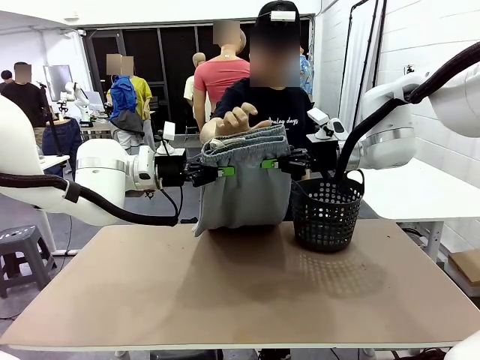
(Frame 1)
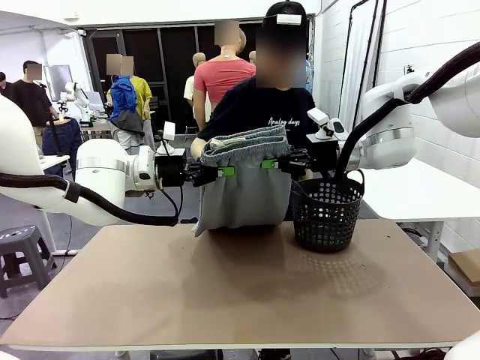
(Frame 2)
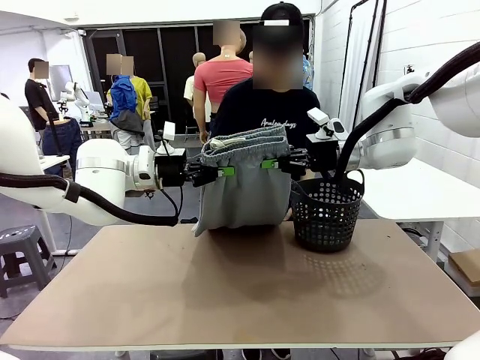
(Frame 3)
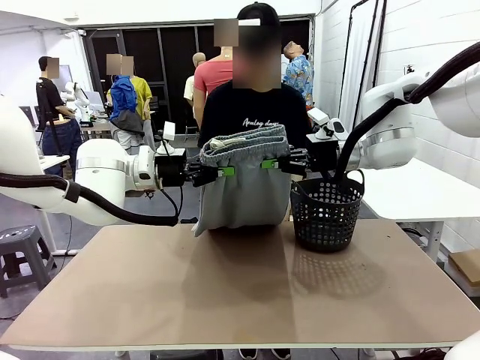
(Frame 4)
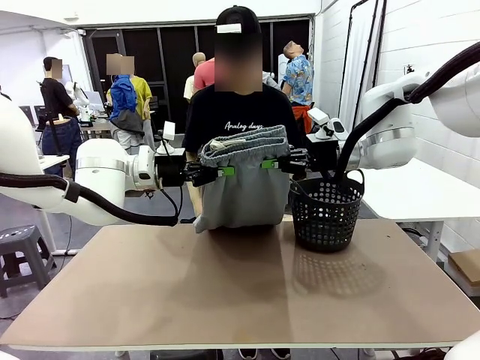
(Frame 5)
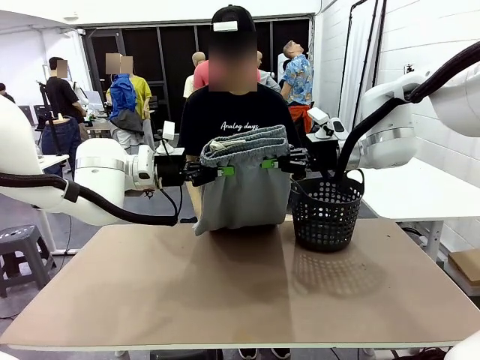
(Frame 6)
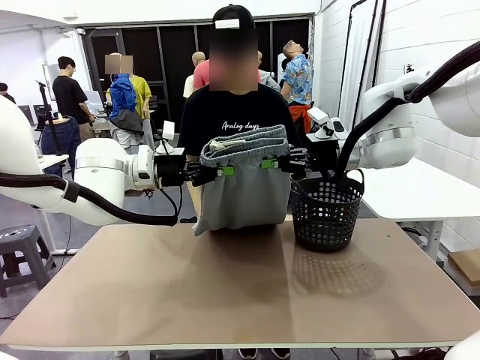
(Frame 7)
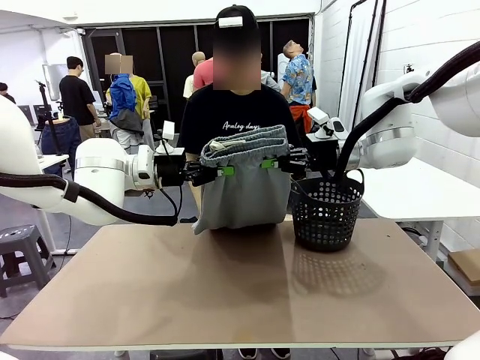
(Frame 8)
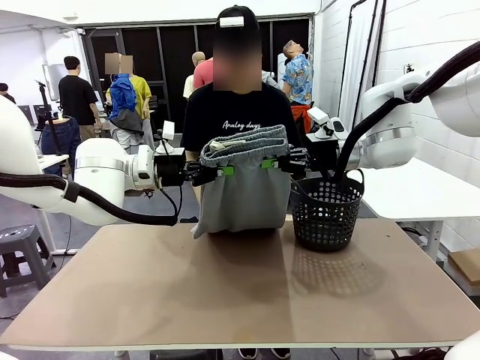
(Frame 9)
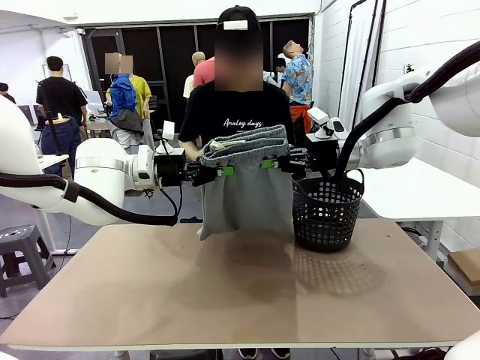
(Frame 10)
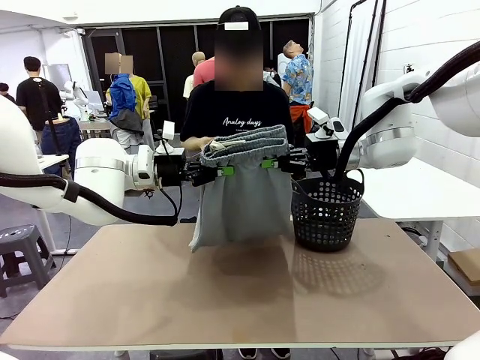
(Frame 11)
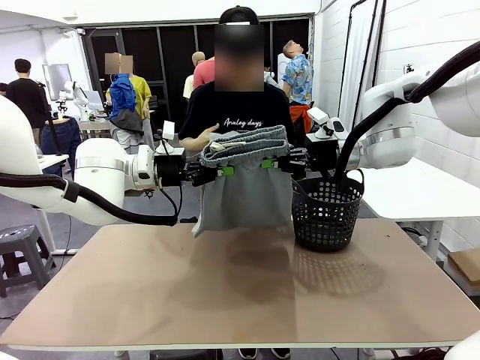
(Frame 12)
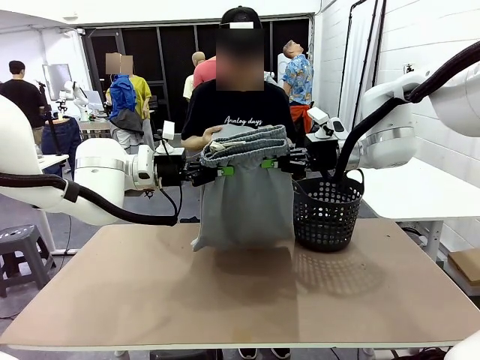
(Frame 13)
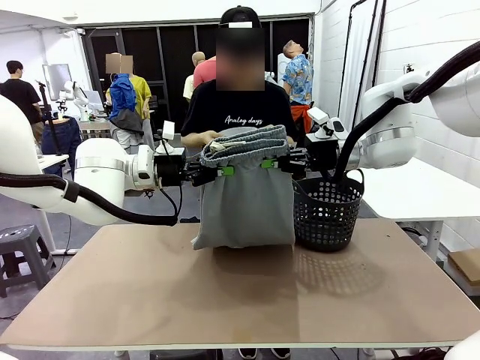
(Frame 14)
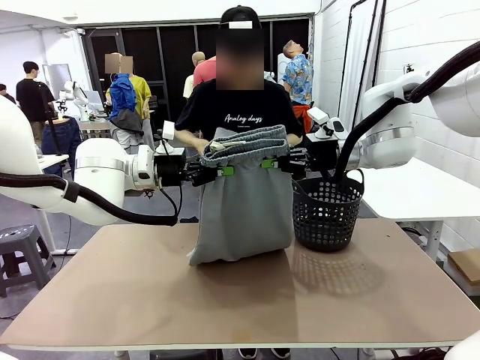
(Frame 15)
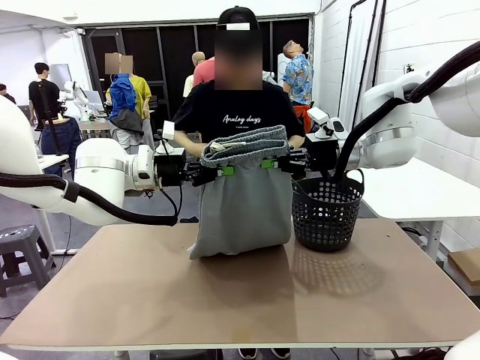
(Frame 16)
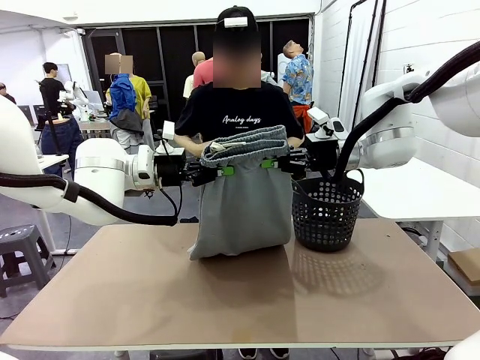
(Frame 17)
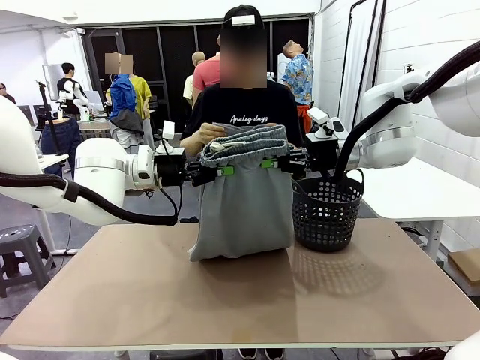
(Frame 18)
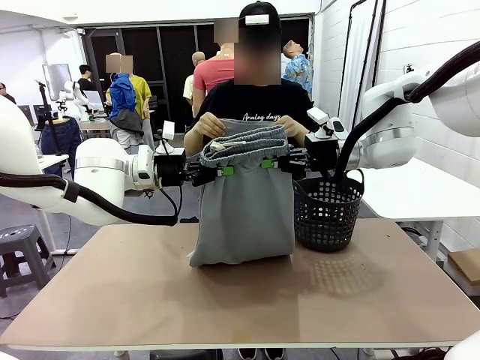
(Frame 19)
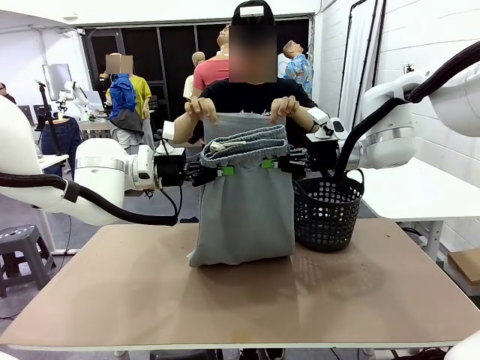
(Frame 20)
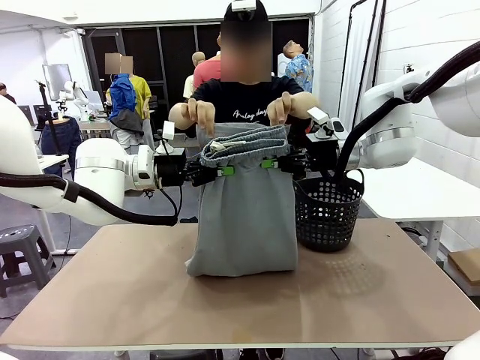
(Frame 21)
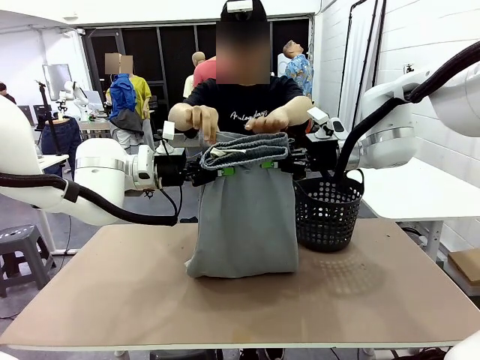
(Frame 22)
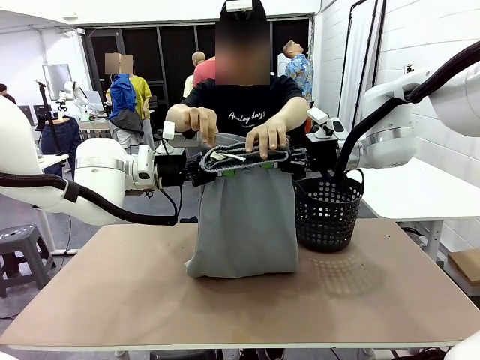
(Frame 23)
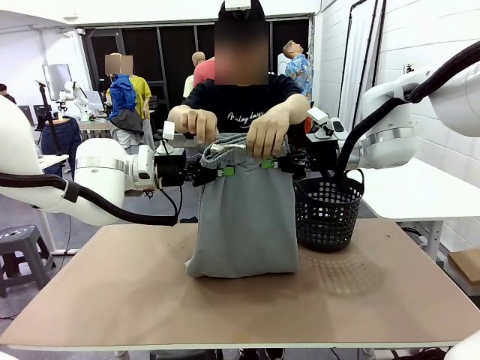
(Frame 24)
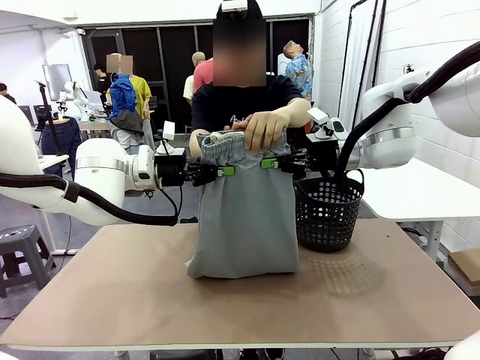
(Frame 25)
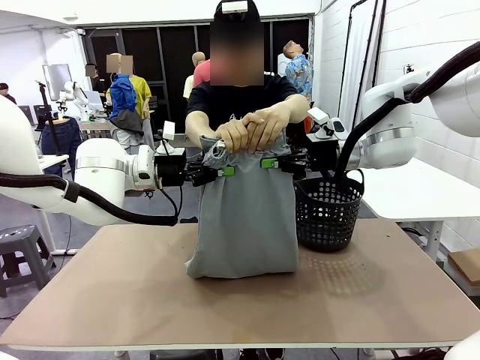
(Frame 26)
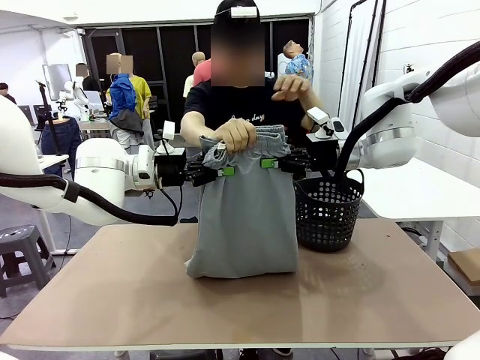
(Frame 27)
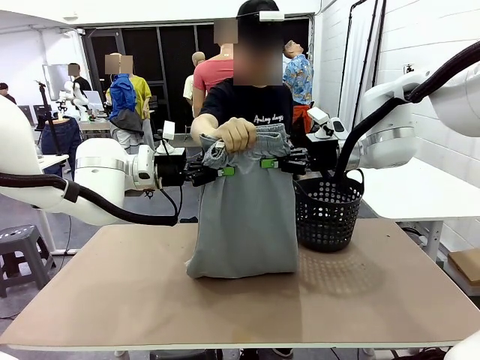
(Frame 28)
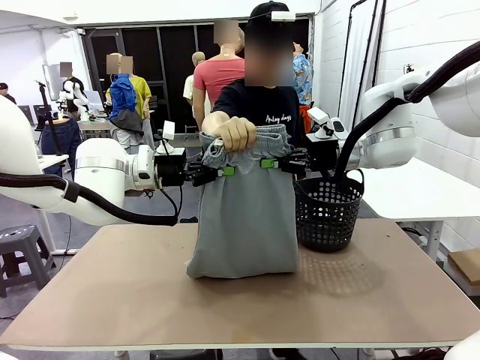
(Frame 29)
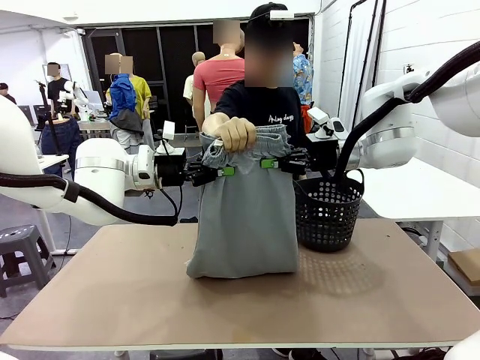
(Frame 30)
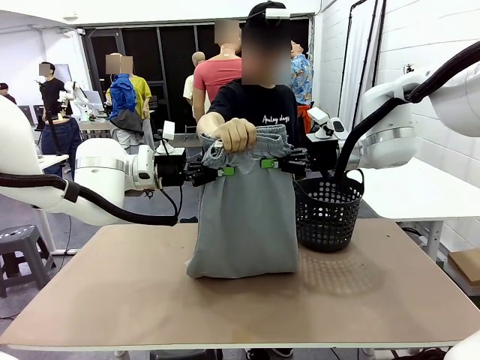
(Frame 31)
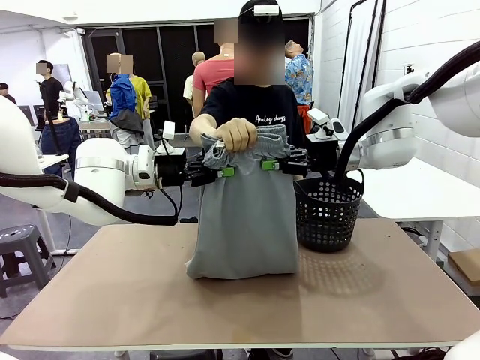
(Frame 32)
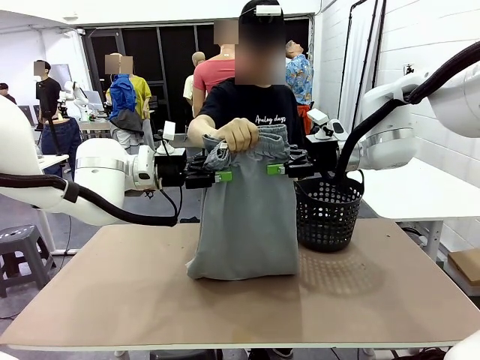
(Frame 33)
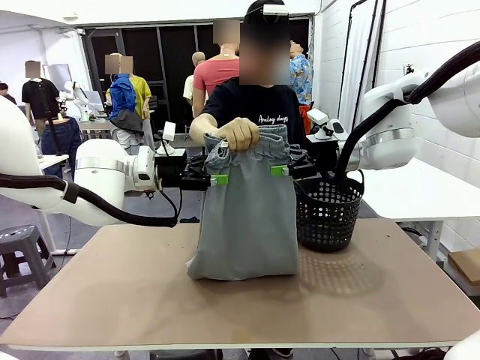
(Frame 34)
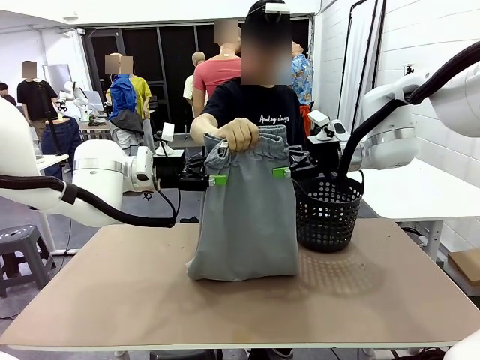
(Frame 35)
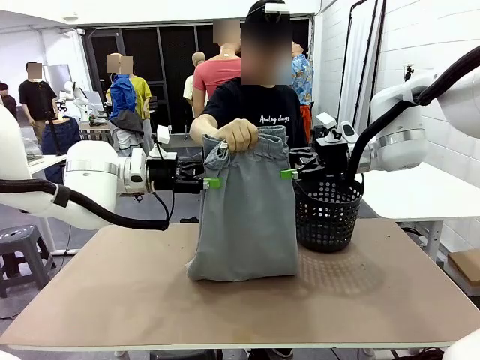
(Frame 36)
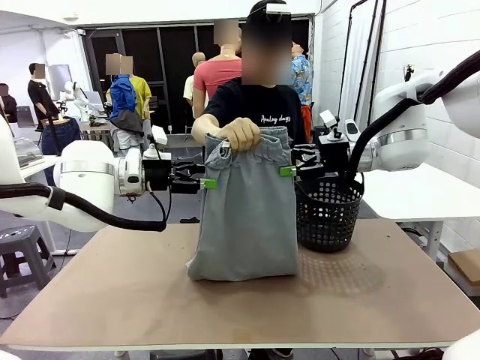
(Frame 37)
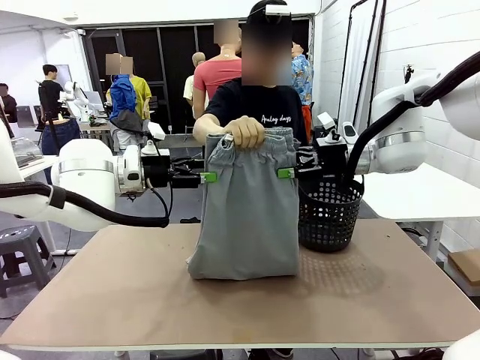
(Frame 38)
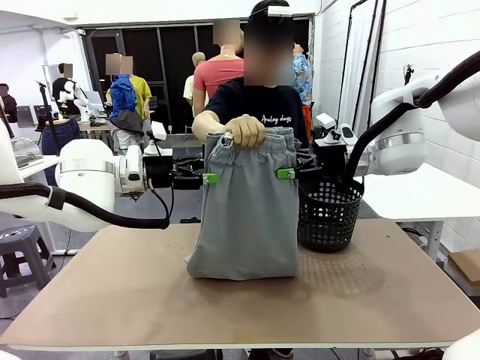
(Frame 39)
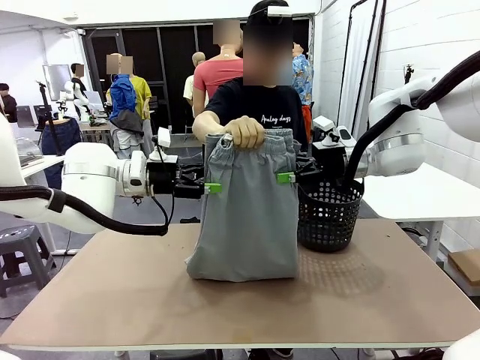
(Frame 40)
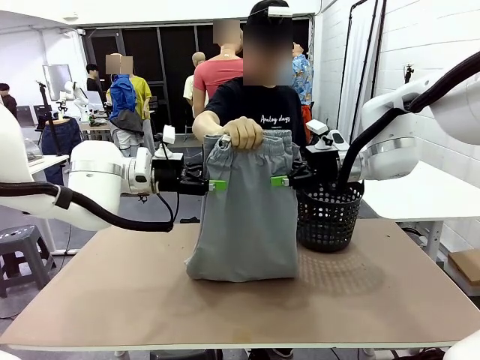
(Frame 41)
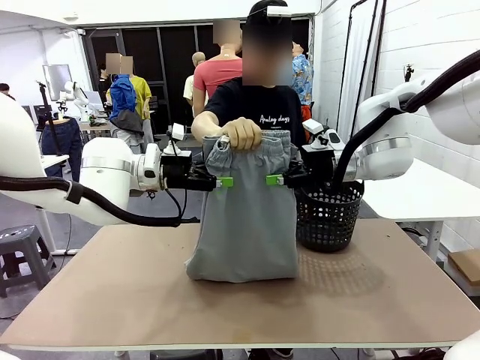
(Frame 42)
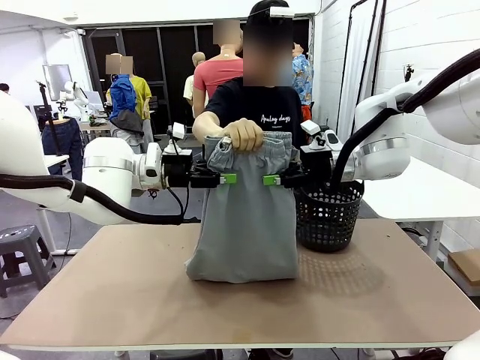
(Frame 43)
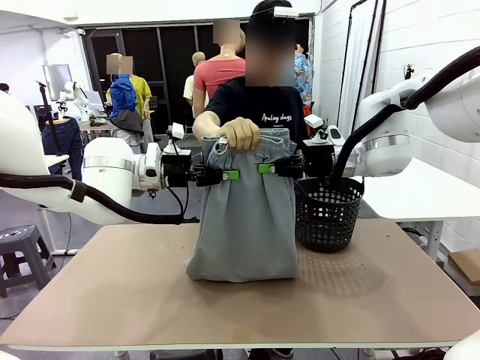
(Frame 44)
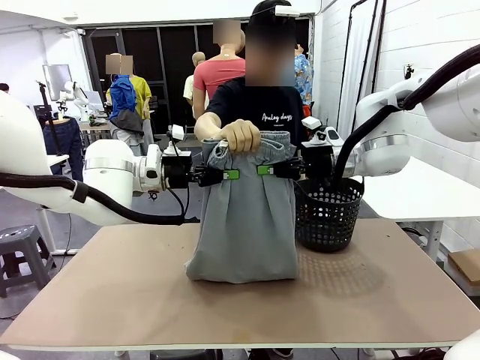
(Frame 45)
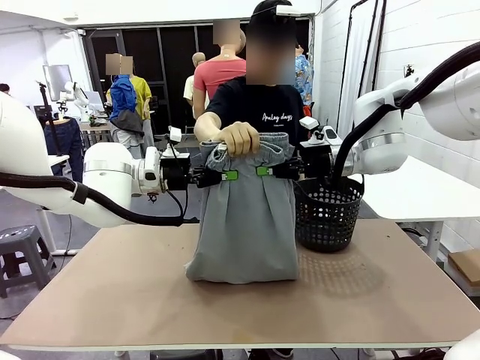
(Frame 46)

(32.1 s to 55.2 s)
Task: Fold the training pants.
Robot: Release the ends of the Training pants and then grab the overlapped ends.
Person: Grasp the end opposite the point the robot is holding, fold the pants in half, and then grasp the overlapping top end of the folded pants. Release the pants you were holding.
